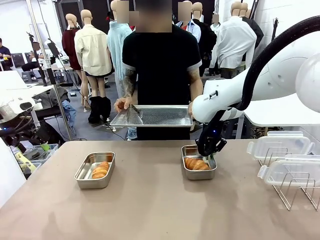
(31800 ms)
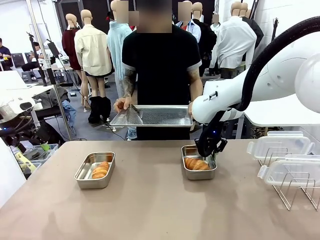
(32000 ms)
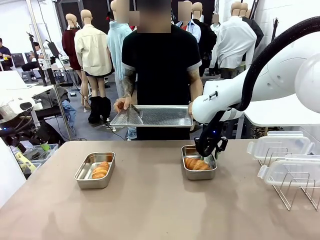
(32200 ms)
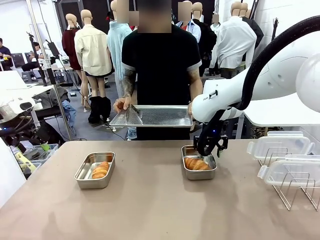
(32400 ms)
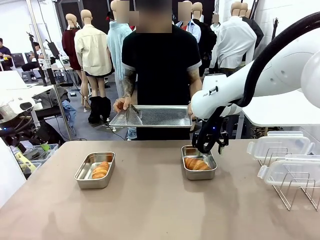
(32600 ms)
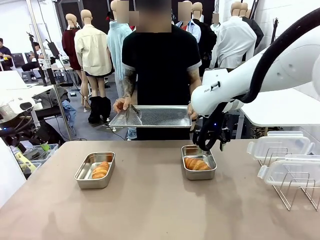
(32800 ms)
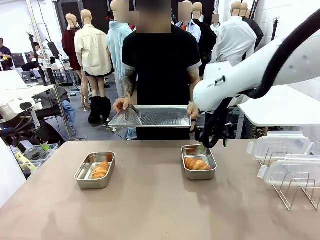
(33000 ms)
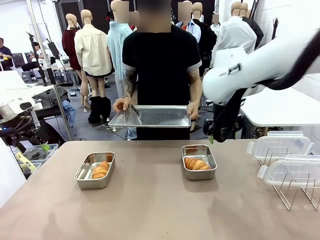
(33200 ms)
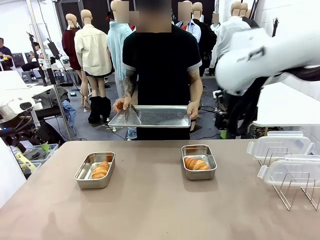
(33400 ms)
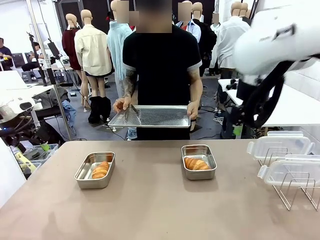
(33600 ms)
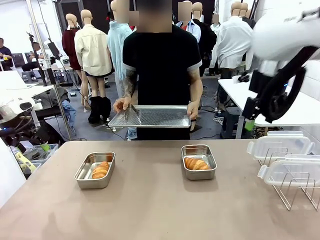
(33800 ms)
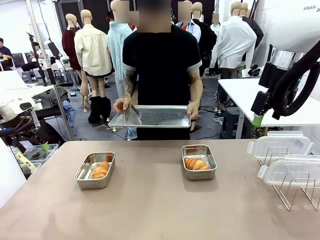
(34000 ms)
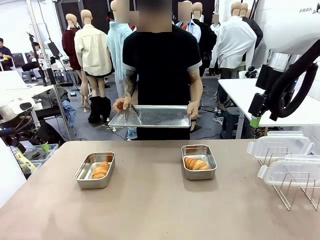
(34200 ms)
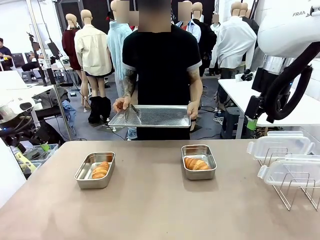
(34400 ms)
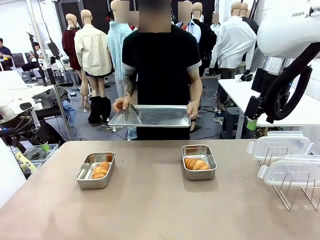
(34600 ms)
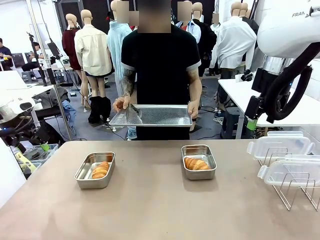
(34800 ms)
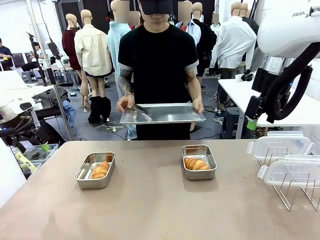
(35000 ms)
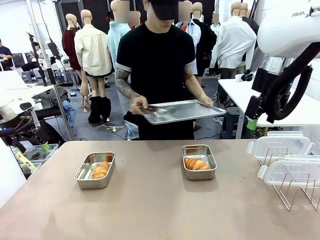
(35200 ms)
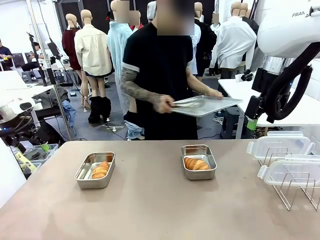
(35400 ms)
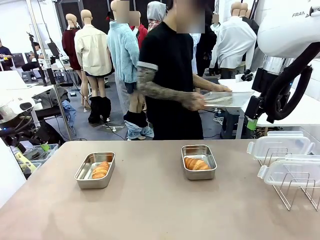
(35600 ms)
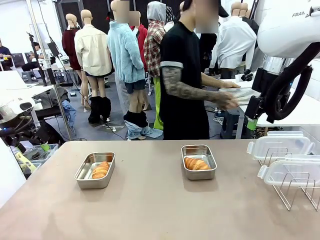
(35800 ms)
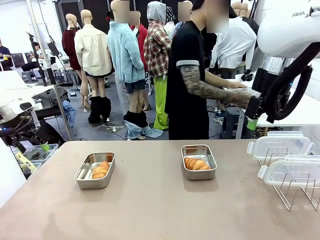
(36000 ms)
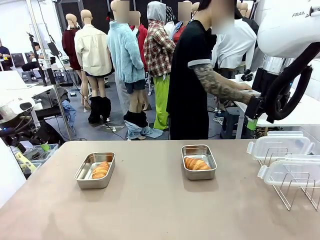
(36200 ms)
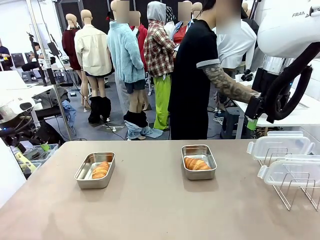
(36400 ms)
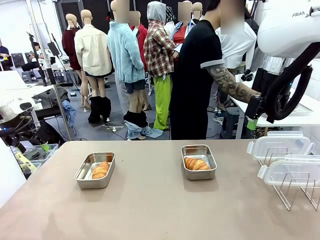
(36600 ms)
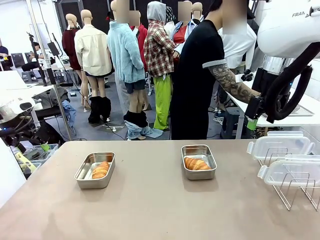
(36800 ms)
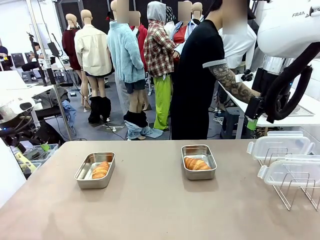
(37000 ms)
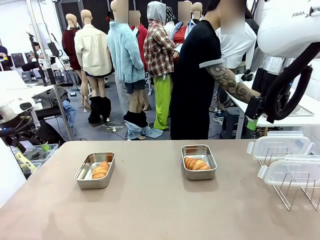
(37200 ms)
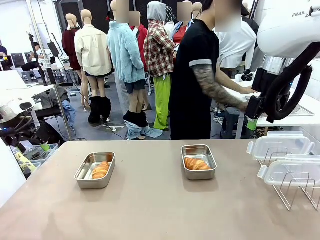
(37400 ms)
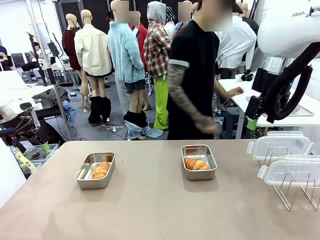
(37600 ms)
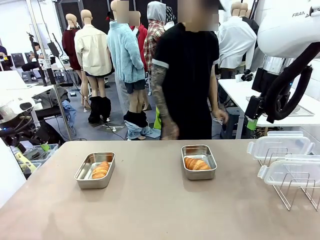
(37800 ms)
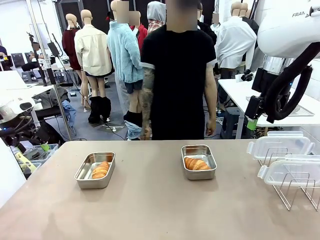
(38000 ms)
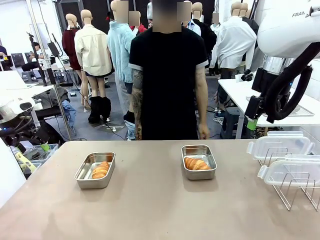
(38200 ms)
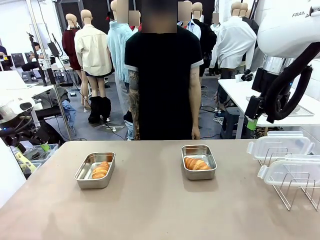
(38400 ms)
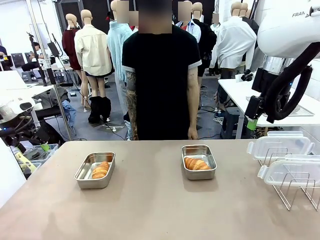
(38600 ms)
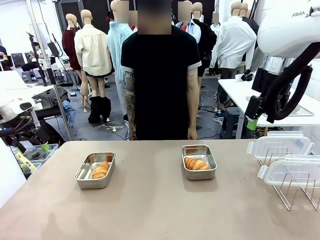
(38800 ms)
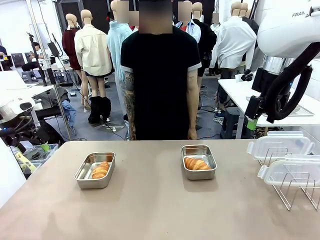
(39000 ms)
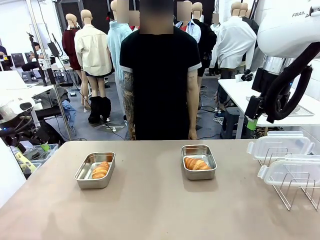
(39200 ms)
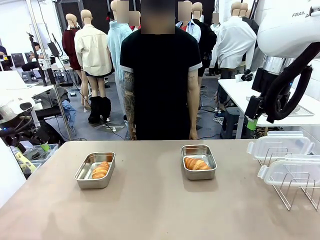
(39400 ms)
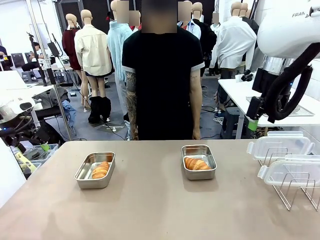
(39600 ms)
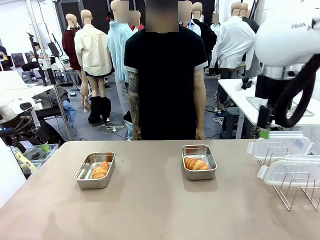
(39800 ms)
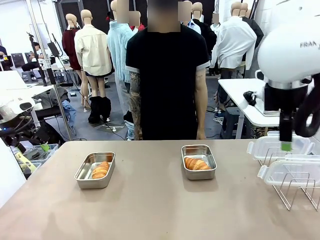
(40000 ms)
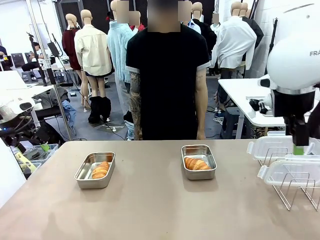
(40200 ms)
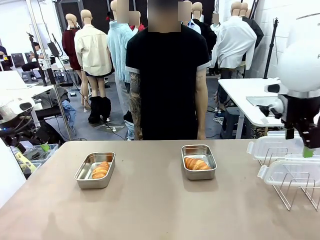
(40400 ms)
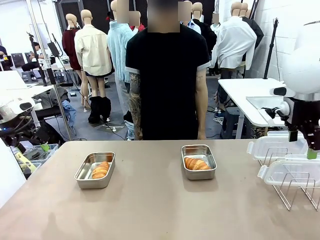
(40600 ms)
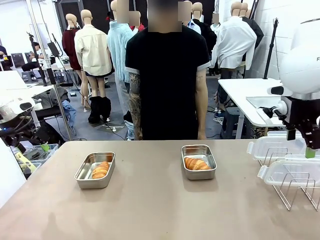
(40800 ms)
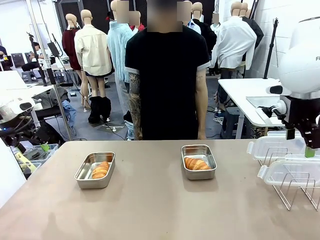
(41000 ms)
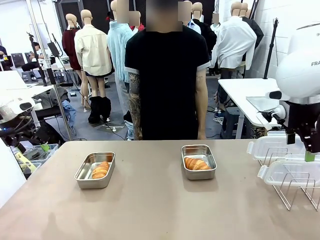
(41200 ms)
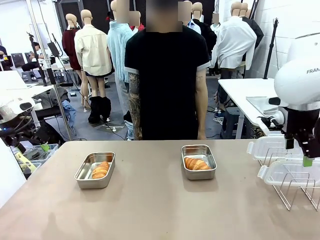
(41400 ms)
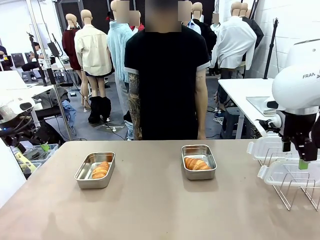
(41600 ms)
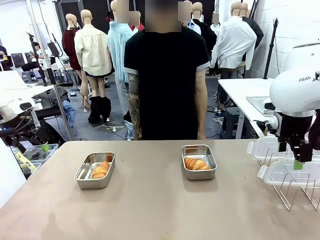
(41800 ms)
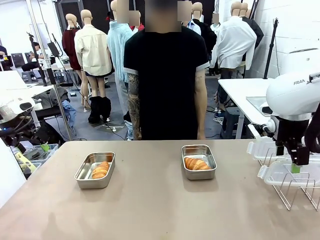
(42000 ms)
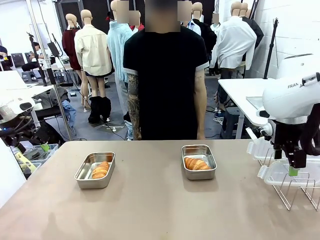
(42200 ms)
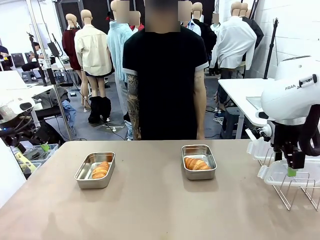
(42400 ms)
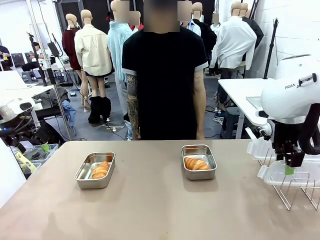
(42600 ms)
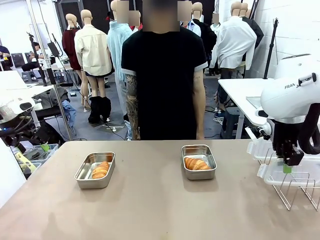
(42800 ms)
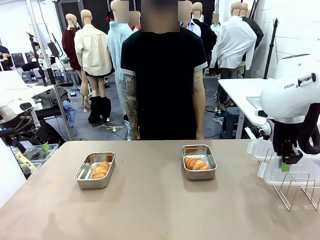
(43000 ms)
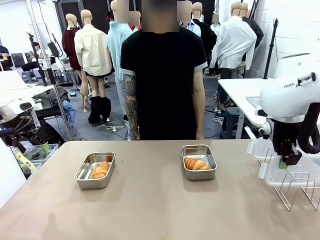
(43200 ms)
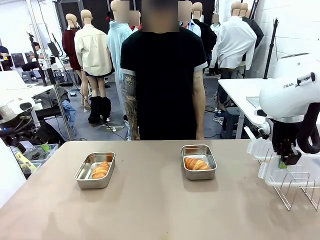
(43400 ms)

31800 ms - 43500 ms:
Task: Place the bread in airtight containers.
Robot: Pick up one Airtight Container lid and hand it to the human.
Person: Place Baking Sheet on the Human's Table.

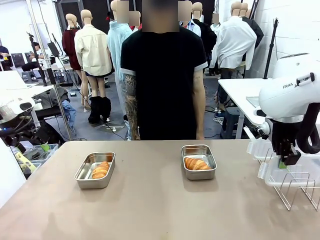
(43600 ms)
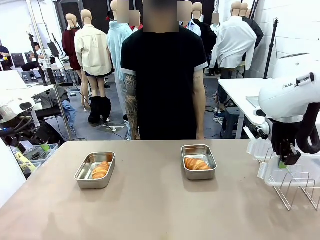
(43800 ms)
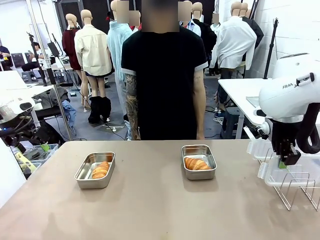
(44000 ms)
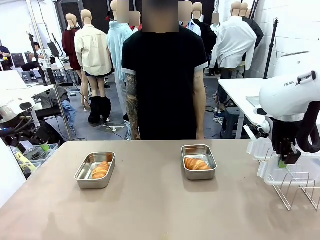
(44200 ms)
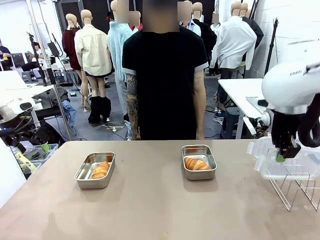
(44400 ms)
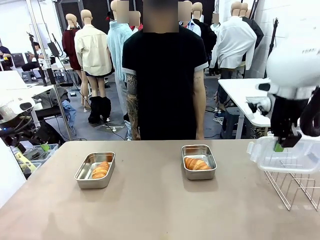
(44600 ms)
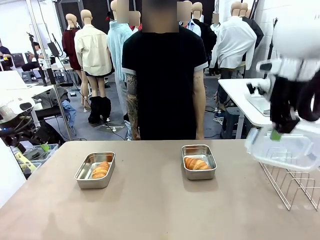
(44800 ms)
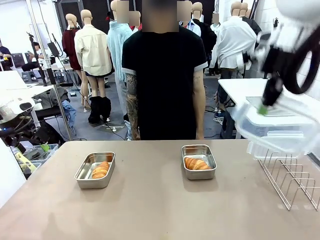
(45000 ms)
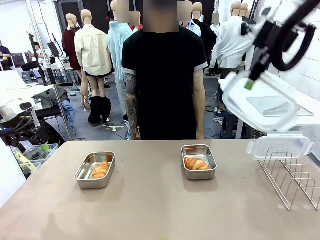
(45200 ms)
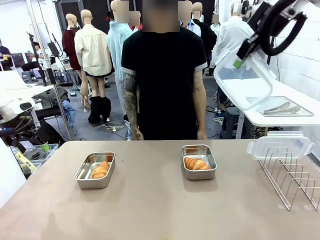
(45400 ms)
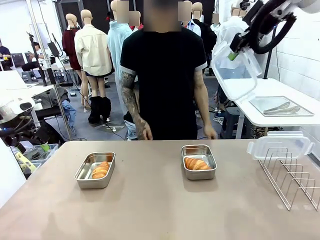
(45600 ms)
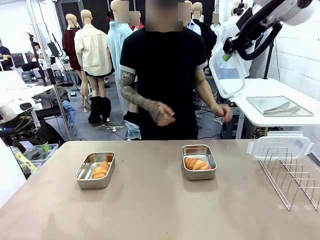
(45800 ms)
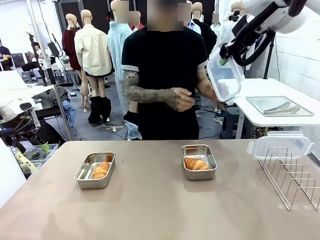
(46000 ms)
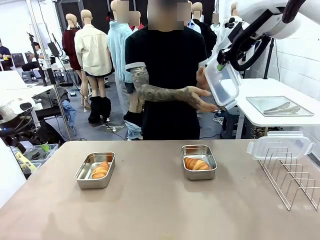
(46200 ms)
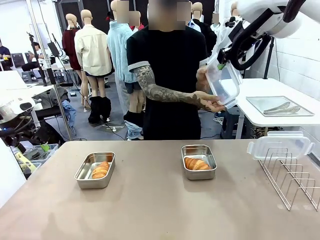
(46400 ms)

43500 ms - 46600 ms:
Robot: Release when the human grabs the Airtight Container lid.
